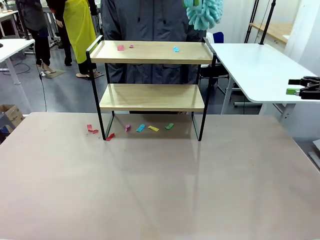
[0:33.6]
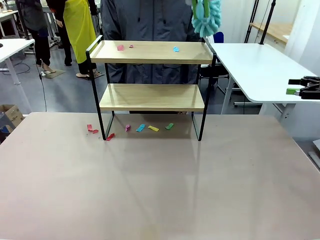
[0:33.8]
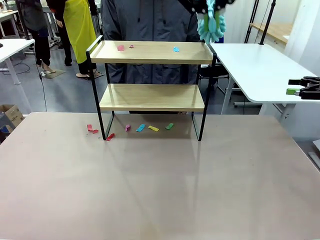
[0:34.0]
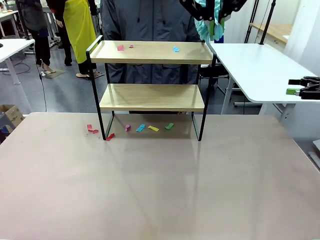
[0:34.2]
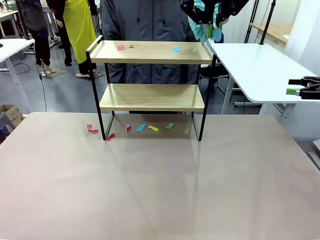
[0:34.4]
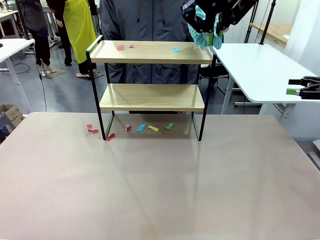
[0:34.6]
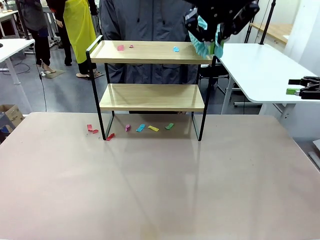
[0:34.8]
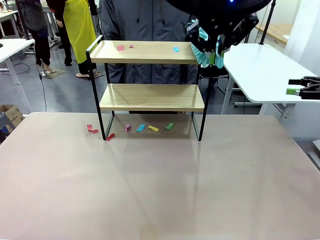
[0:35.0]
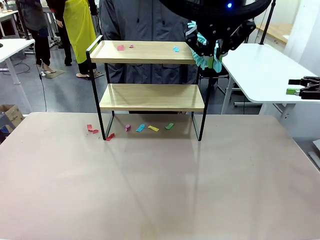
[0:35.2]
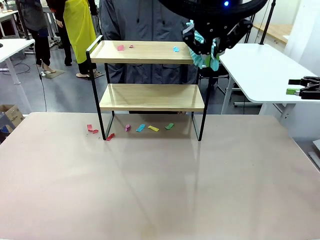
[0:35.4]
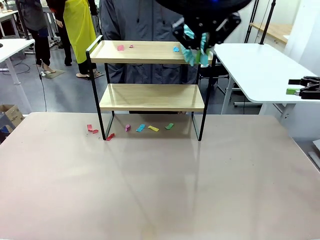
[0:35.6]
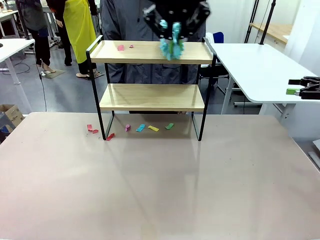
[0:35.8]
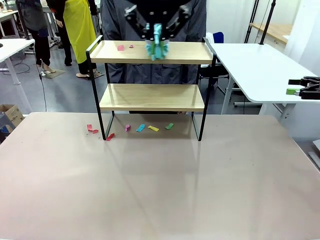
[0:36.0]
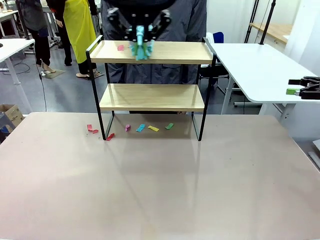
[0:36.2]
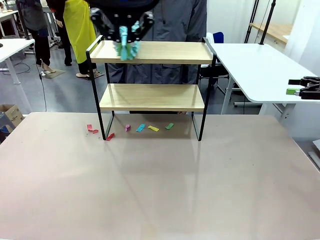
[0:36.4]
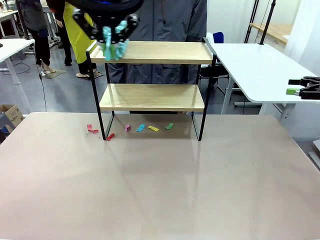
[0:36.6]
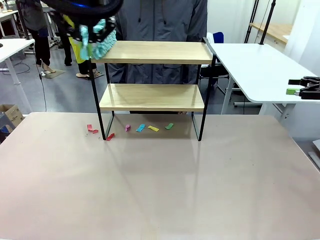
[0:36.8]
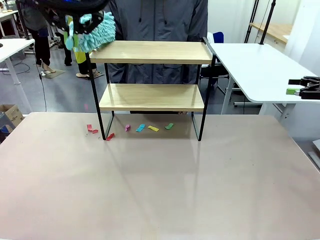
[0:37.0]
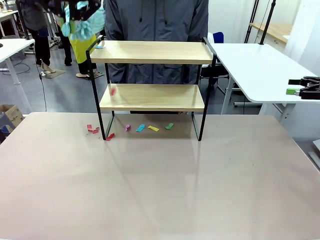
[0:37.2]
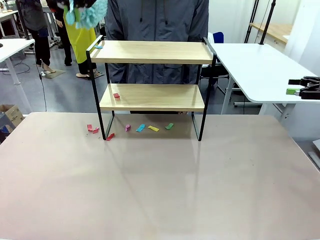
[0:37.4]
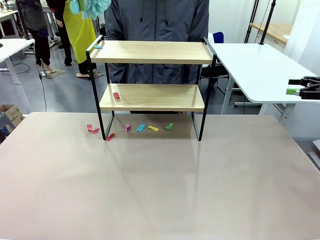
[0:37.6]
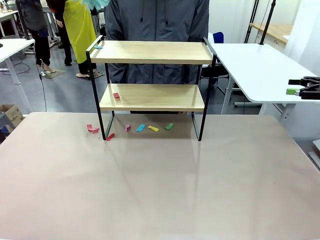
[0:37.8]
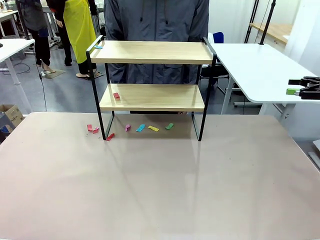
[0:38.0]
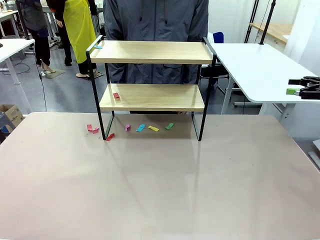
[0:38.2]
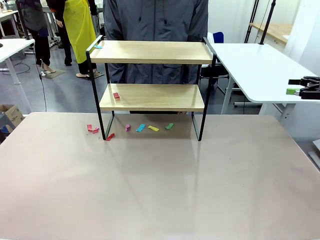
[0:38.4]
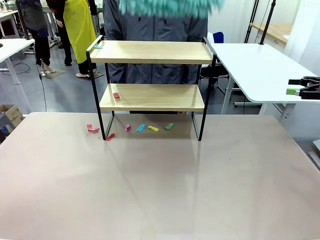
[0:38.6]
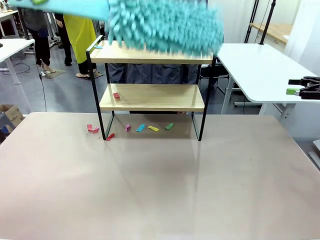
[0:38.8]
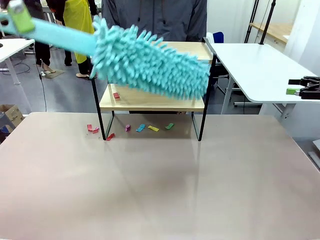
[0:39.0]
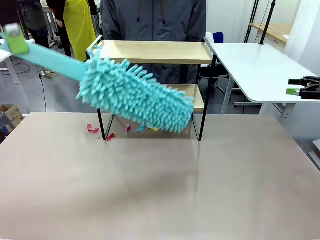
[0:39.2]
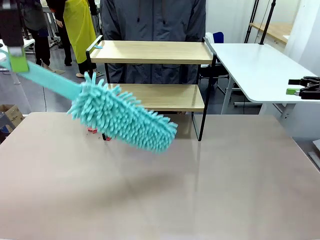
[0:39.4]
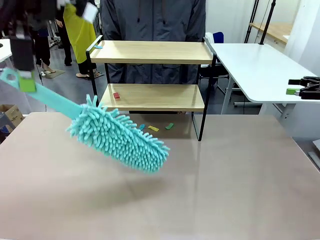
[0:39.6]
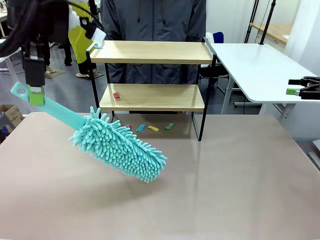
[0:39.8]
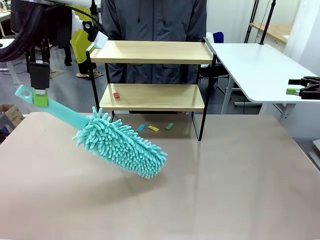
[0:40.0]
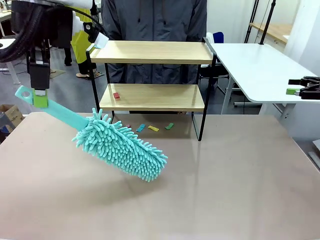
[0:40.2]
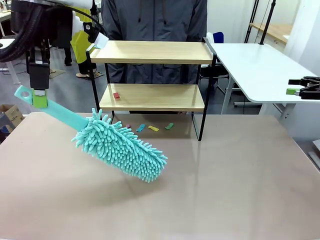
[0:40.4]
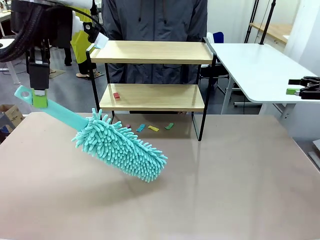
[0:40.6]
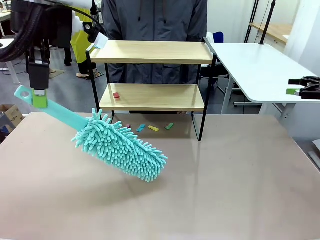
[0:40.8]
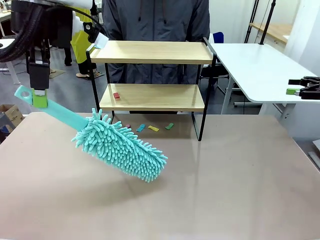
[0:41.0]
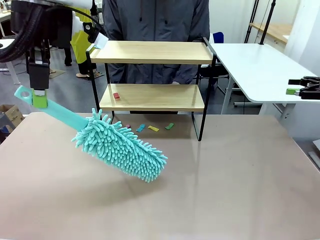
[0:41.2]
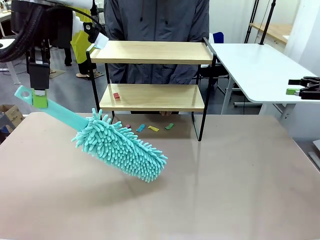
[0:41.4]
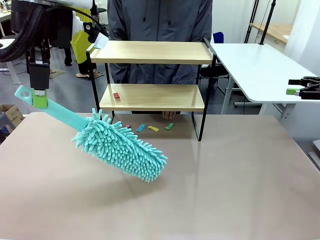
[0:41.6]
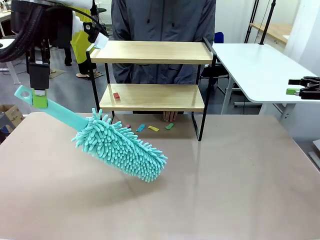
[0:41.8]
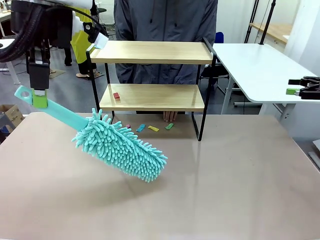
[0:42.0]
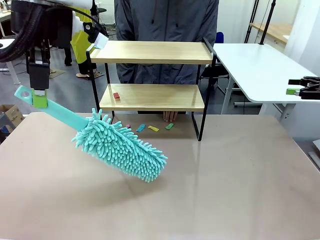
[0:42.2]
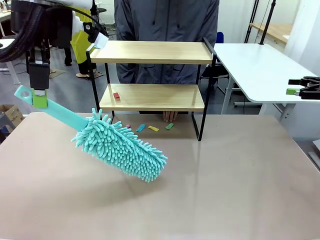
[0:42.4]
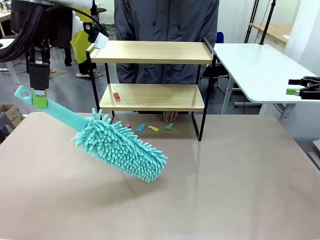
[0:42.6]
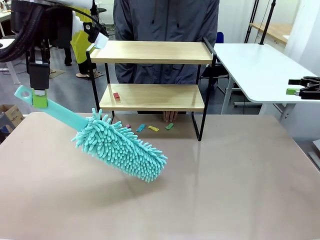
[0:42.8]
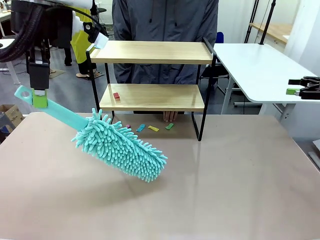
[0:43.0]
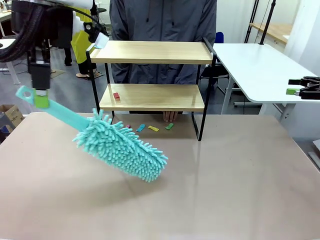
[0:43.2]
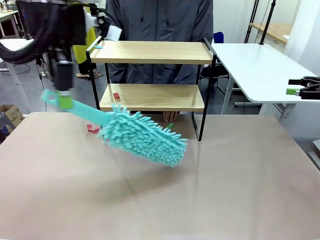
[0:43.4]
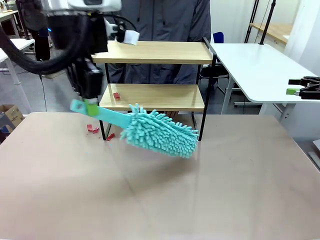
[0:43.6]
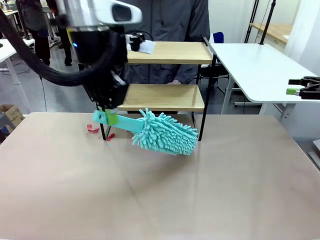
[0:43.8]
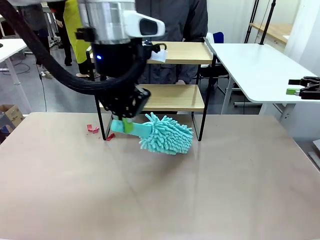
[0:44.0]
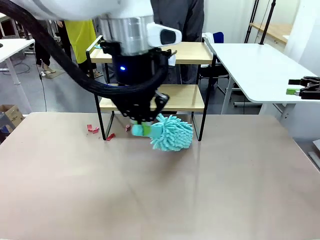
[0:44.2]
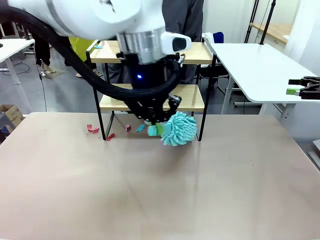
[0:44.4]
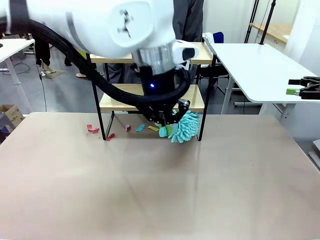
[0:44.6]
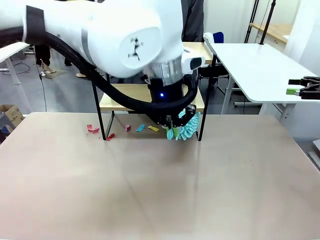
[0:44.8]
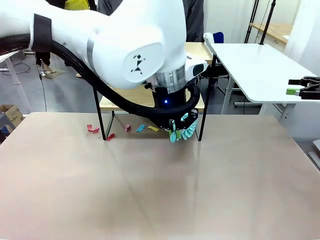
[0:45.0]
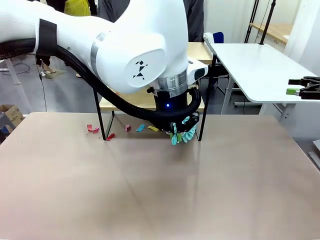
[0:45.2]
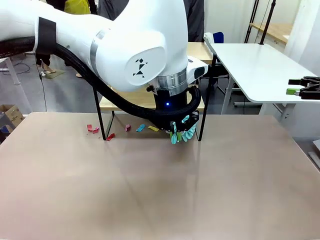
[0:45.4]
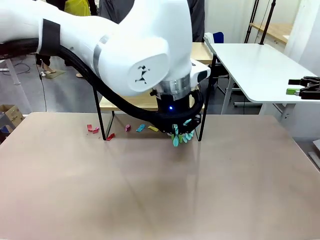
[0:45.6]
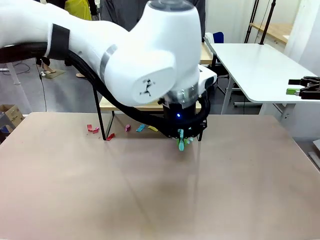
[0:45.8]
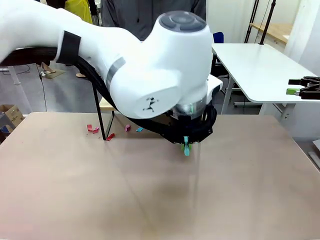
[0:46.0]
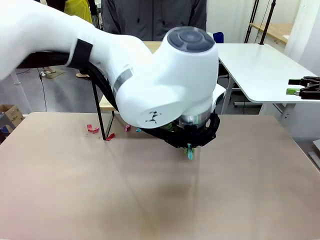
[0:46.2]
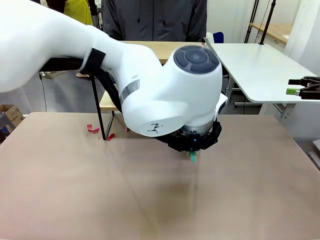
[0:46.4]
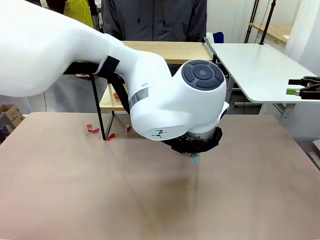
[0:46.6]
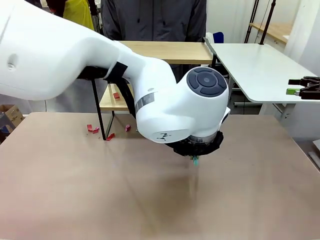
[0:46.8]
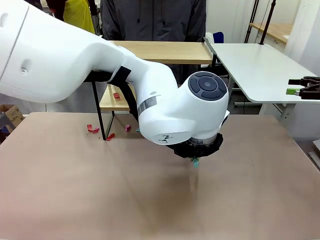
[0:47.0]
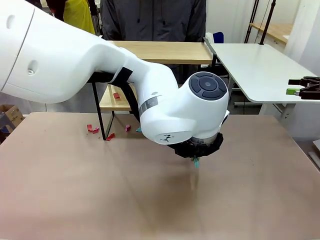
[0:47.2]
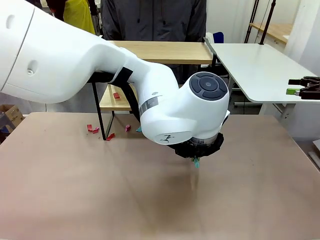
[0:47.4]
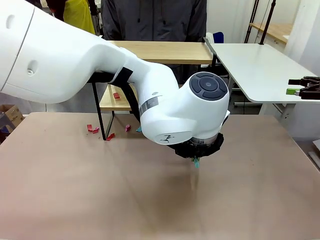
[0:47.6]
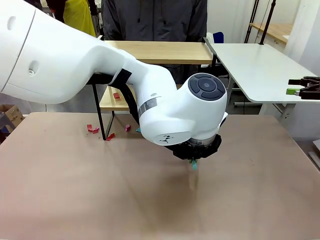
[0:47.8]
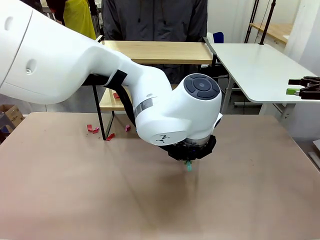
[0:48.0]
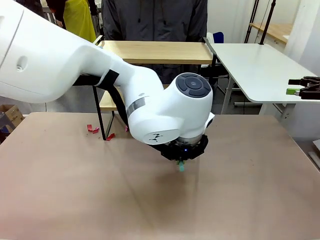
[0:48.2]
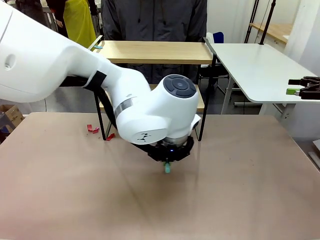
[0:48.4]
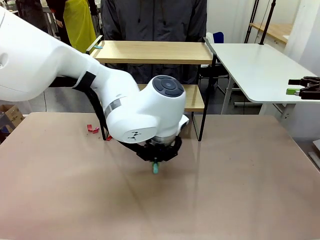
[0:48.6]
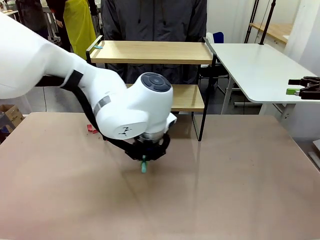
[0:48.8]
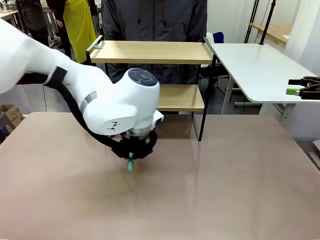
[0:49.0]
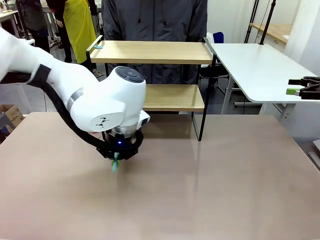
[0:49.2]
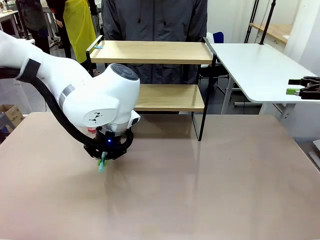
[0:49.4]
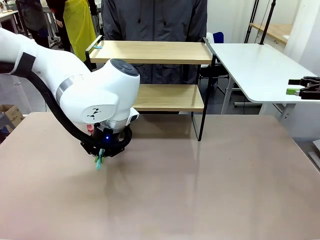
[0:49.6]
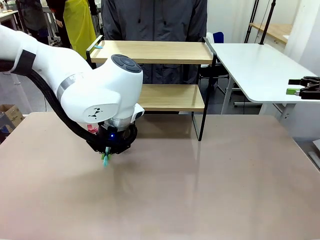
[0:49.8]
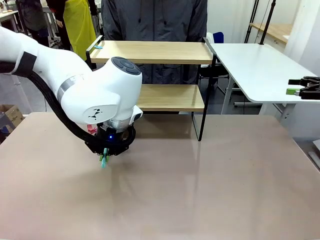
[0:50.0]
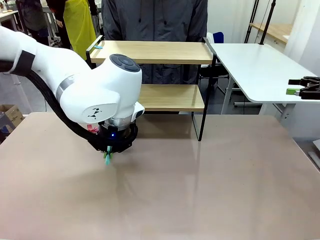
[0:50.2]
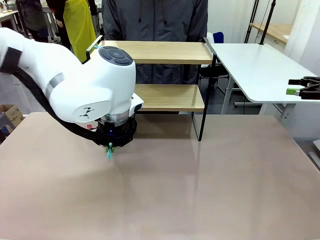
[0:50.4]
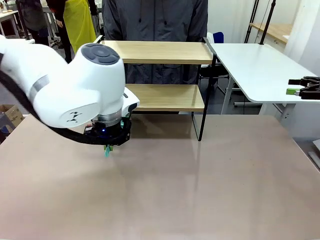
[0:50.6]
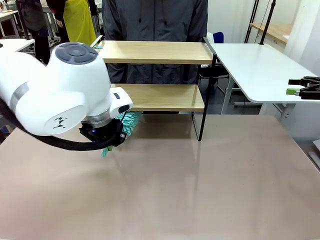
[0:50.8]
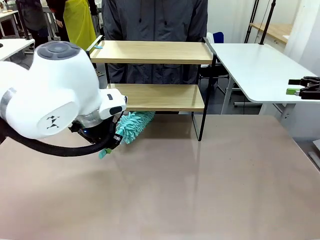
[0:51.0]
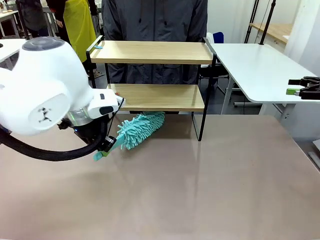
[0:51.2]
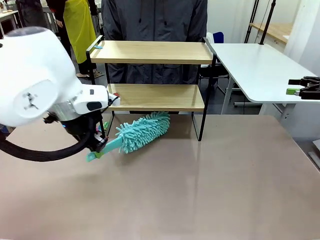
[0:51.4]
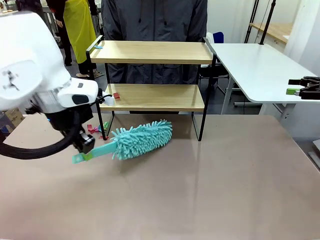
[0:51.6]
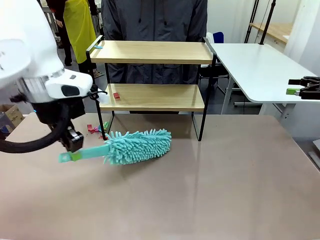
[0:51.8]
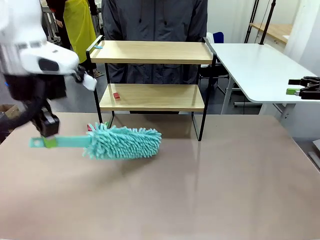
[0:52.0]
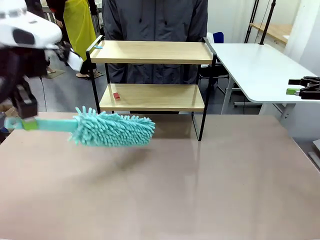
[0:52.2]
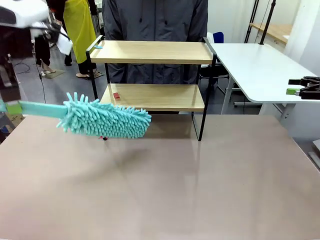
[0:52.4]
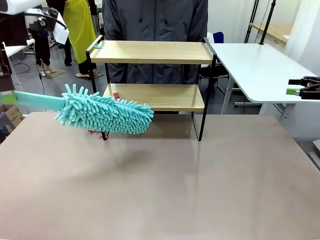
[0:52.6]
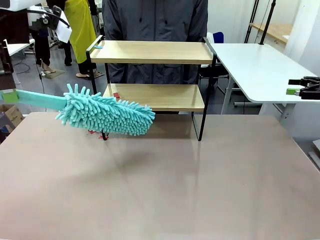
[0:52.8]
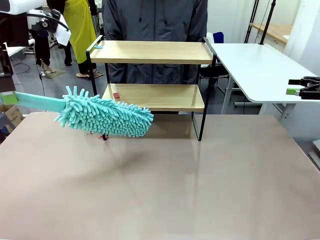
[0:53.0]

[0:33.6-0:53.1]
Task: Clean the shelf.
Robot: Clean the specific section of the Shelf indicated by the human with the Duster.
Person: Point a remaining section of the Shelf.
